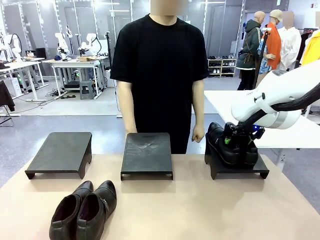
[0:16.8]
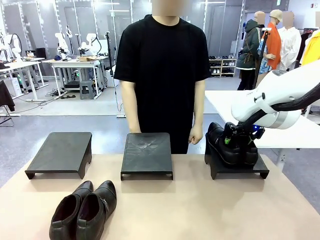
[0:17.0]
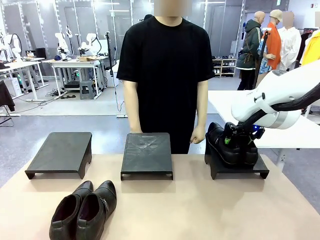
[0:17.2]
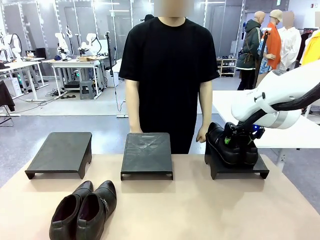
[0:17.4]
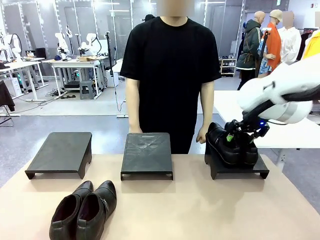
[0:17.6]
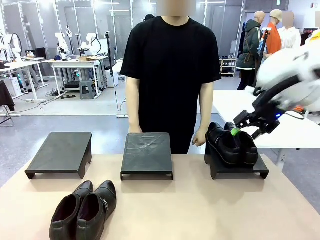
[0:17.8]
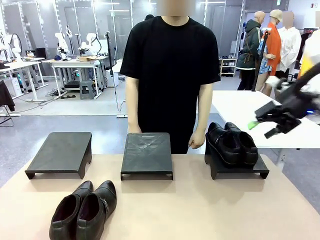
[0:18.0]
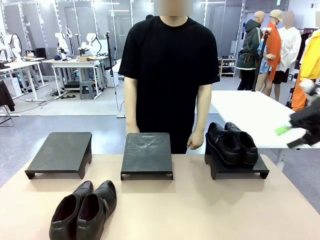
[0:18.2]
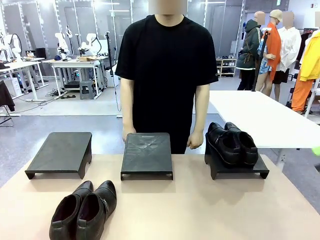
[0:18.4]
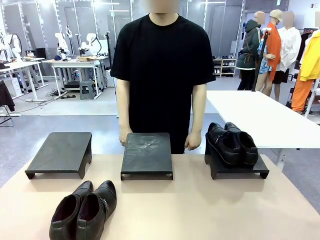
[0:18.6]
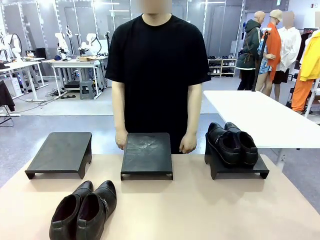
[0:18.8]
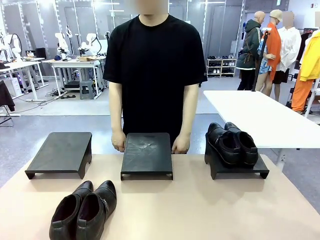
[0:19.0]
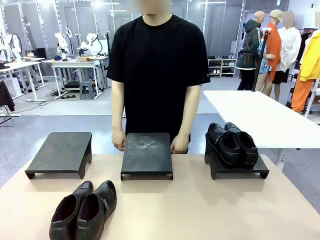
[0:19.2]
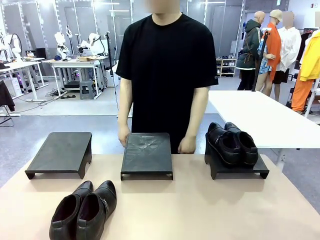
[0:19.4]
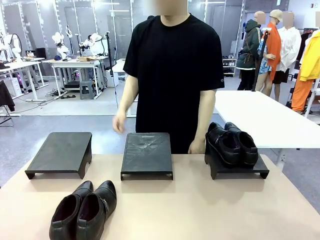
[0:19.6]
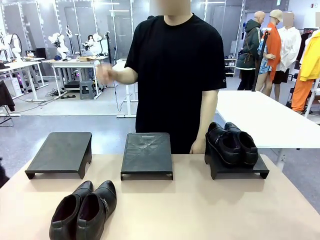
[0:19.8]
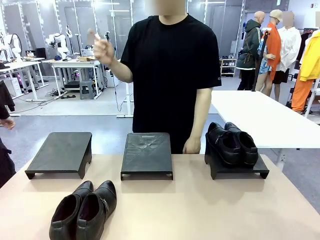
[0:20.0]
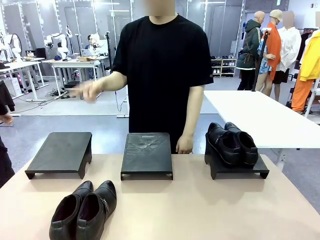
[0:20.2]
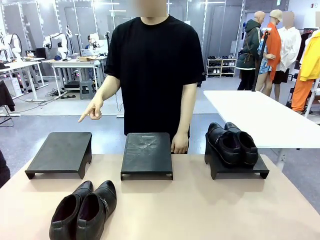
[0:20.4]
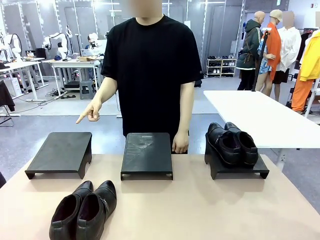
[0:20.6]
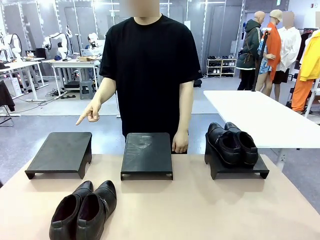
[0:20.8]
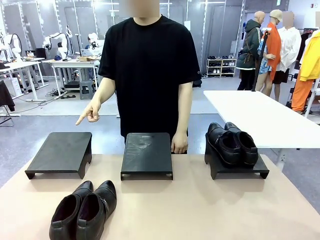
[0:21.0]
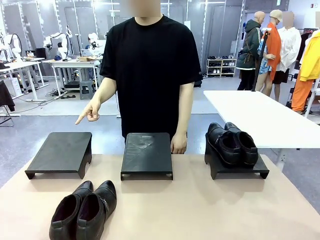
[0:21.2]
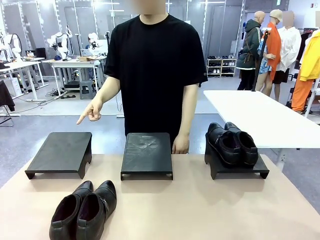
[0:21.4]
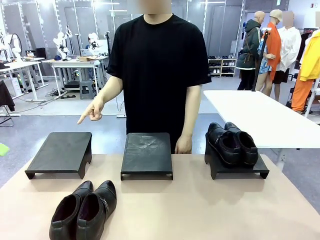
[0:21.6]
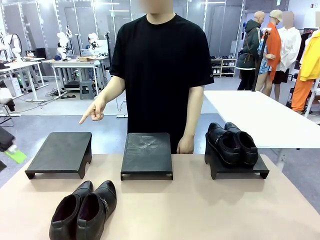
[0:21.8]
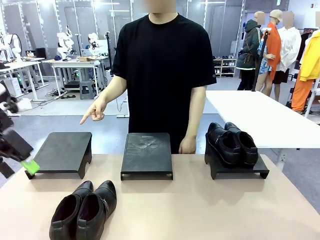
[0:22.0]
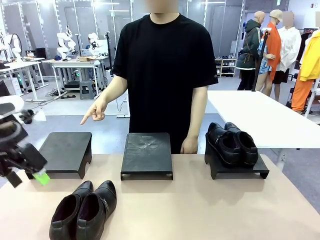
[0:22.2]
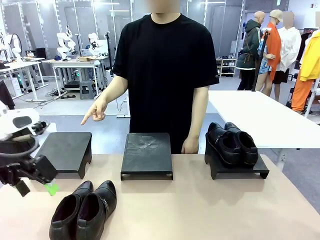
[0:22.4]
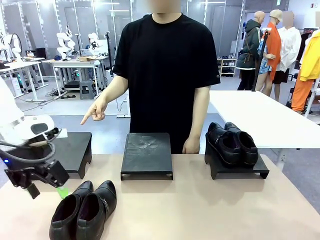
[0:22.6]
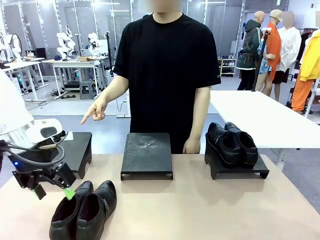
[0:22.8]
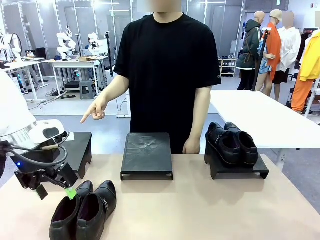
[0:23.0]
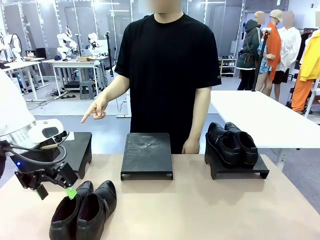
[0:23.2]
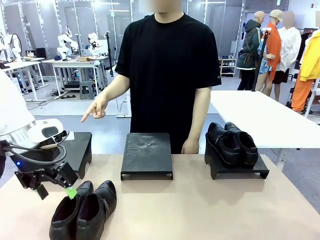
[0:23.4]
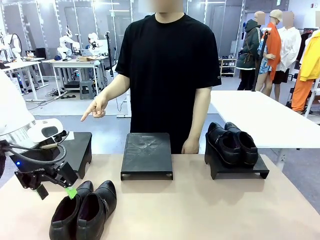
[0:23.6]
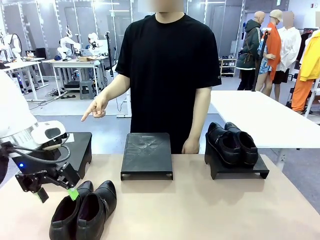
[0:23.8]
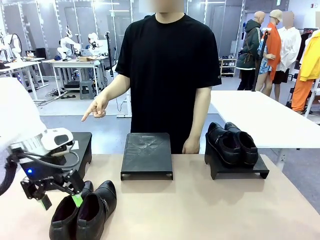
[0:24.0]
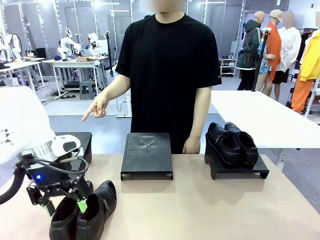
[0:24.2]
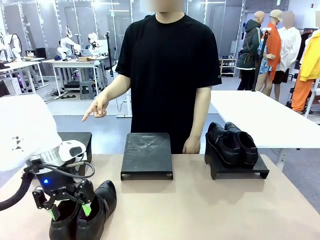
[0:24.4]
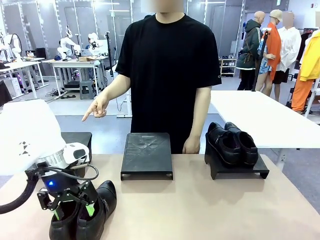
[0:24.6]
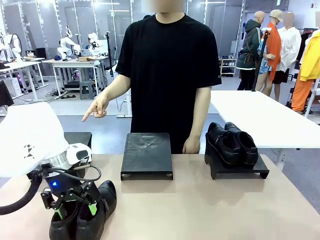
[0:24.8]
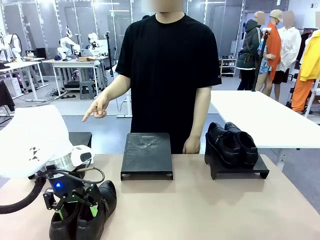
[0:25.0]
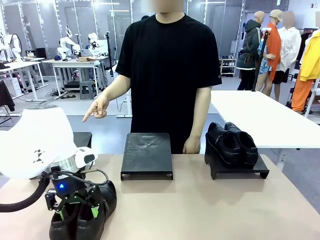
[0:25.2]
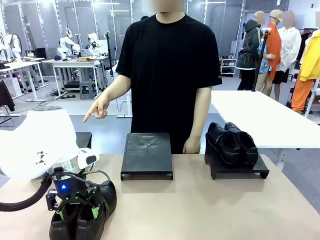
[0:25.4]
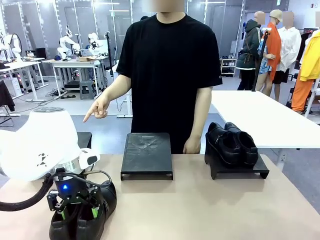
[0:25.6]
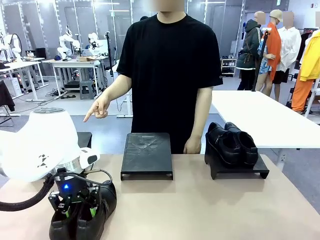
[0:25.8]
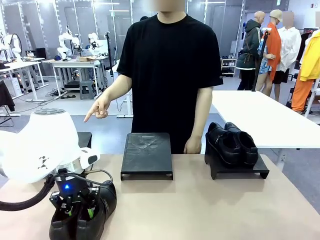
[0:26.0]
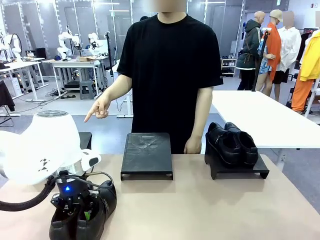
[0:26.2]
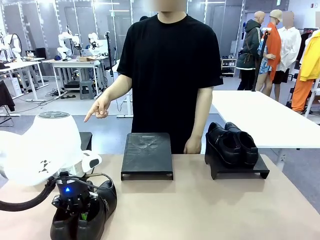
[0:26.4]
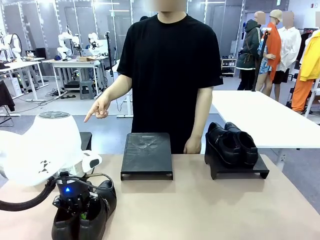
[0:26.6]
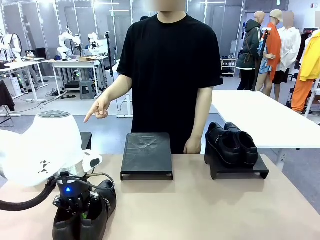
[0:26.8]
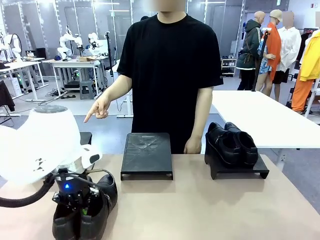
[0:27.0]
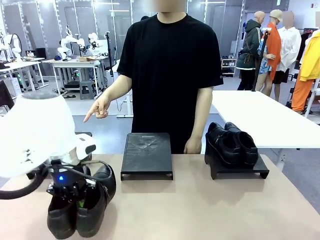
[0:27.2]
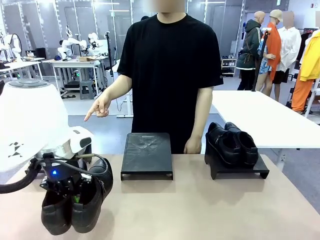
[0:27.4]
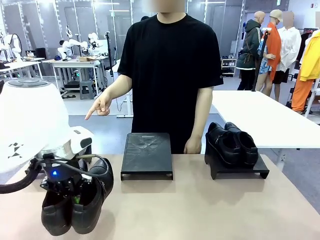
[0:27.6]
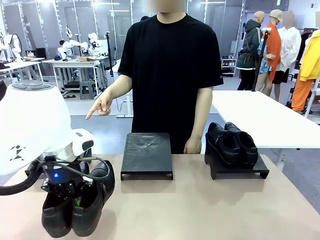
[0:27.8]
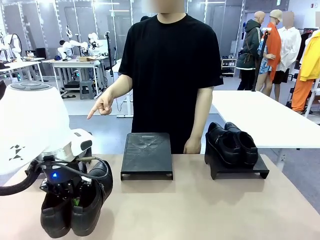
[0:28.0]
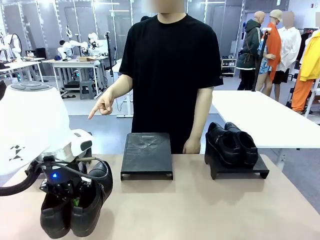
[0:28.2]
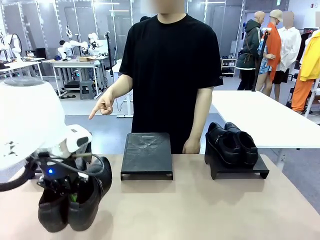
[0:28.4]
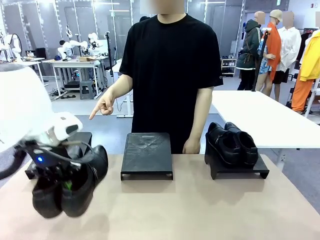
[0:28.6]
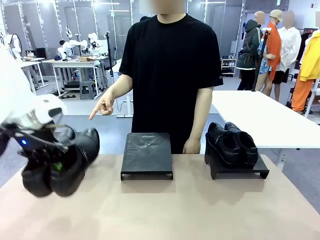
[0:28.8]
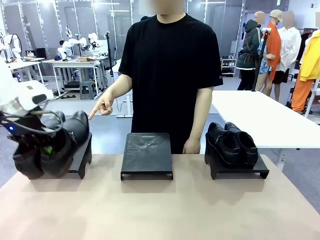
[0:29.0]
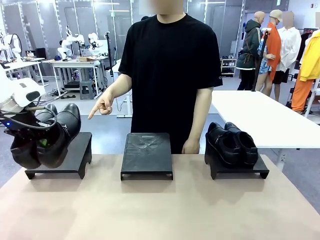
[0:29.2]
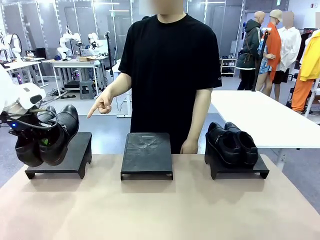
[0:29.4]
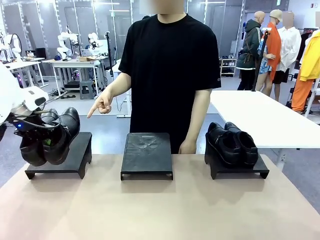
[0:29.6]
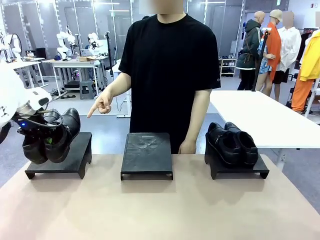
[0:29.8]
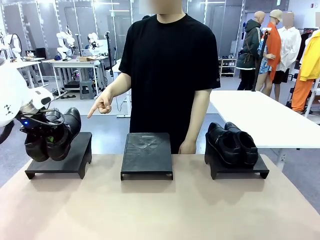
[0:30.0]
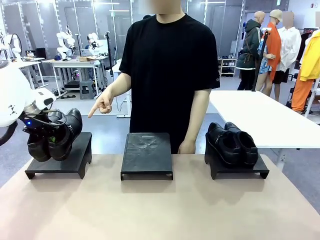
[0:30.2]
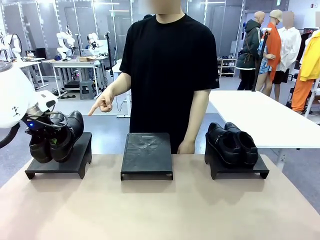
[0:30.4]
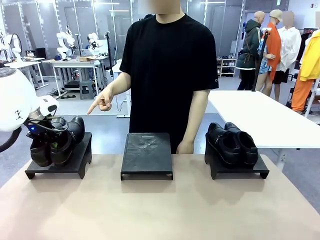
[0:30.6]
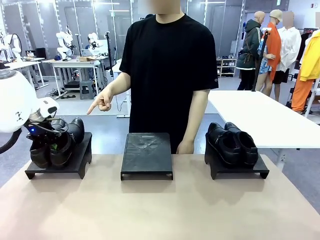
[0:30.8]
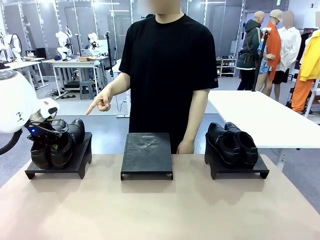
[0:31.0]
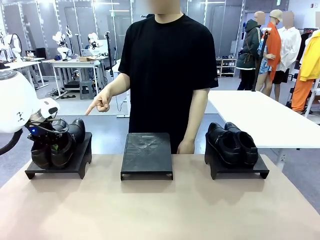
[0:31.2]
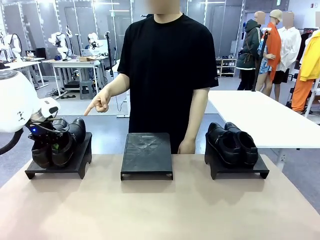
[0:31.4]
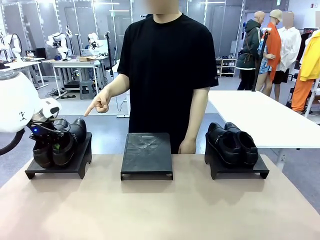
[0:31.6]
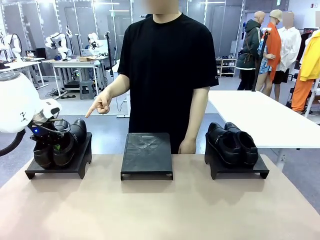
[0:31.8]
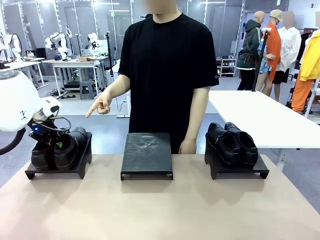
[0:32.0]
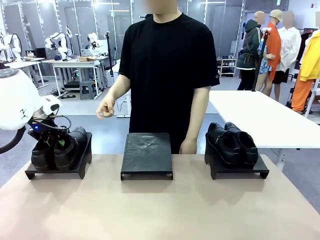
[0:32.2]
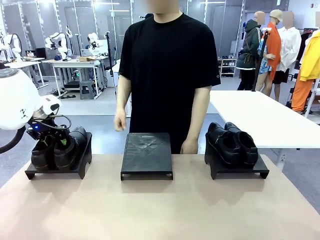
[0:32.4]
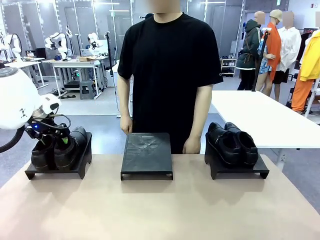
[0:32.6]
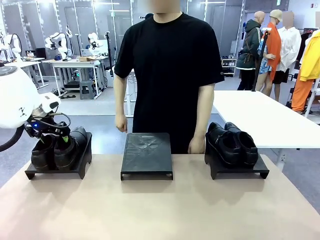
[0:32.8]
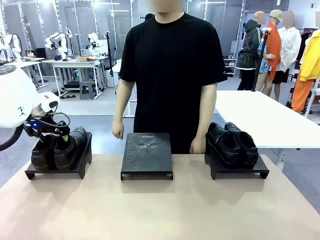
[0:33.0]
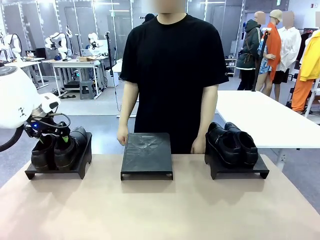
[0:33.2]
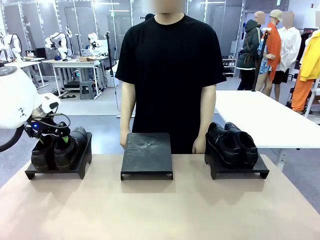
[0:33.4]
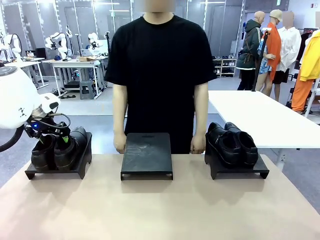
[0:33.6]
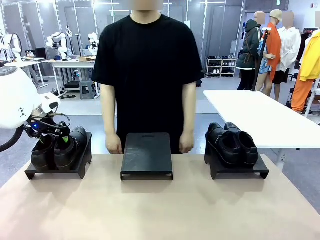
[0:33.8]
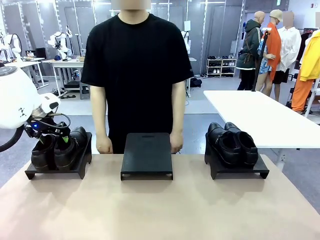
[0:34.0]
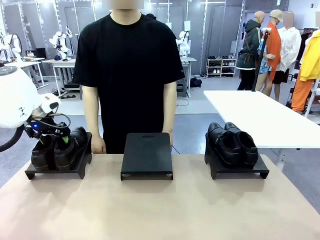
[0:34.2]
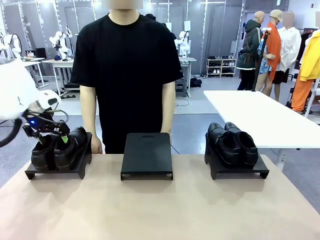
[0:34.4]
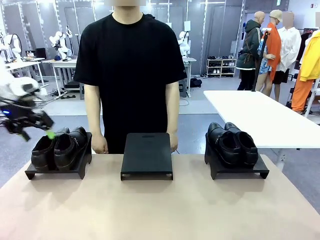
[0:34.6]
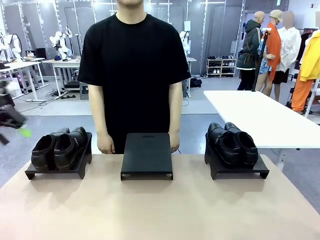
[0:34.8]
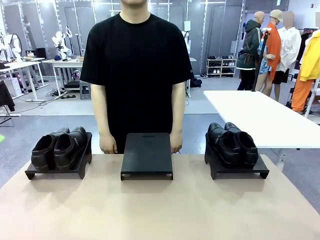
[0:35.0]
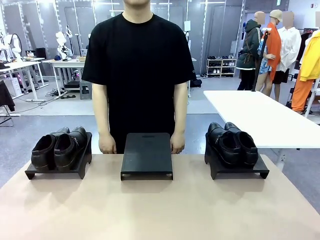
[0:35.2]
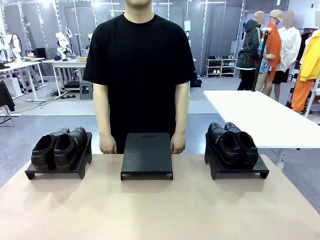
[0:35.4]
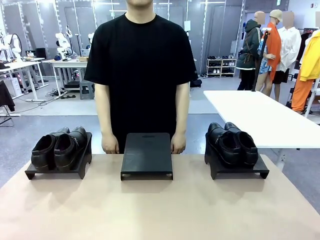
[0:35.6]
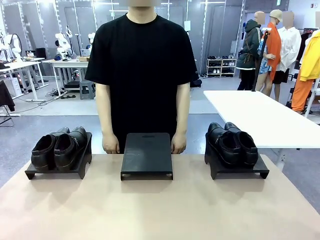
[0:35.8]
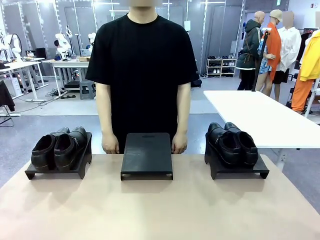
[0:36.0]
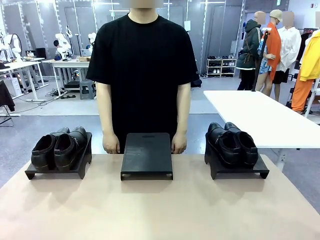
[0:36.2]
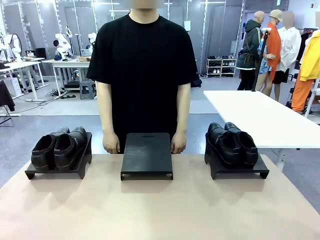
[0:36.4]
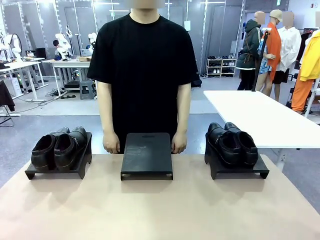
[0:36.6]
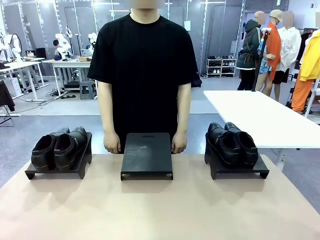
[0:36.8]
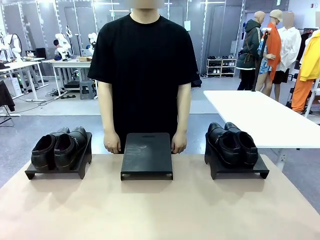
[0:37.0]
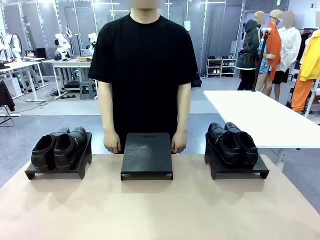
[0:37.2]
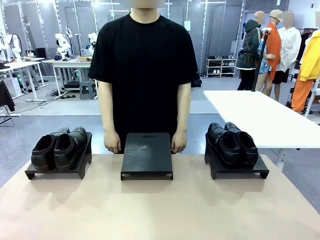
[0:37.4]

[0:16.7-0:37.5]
Task: Place the shoes on the stand as instructed by the person.
Robot: Pick up another pair of Shoes and place it on the Shoes Stand indicated by the person.
Person: Point to one Shoes Stand.
